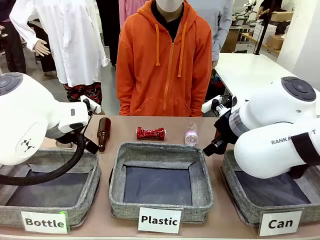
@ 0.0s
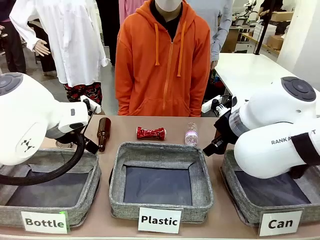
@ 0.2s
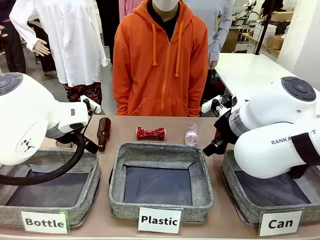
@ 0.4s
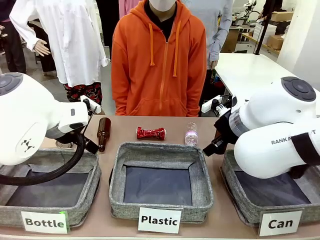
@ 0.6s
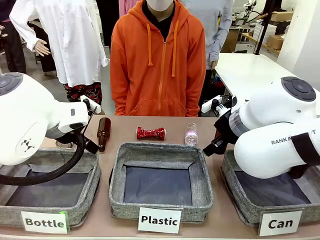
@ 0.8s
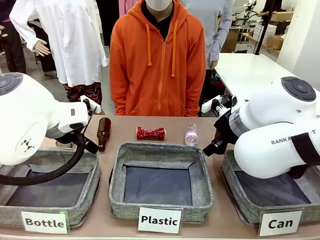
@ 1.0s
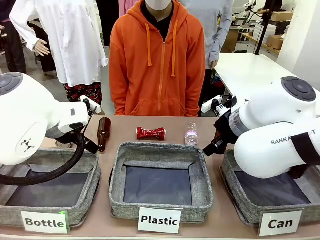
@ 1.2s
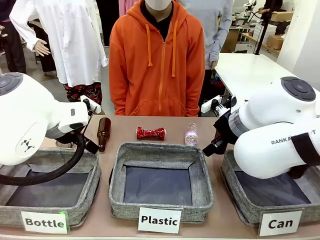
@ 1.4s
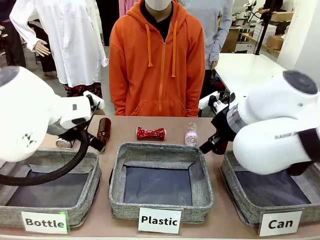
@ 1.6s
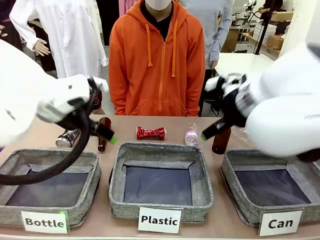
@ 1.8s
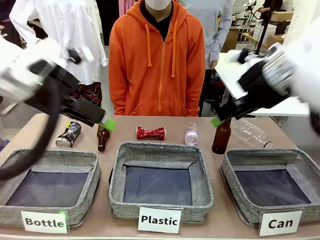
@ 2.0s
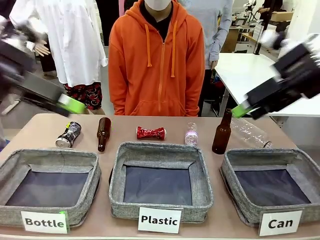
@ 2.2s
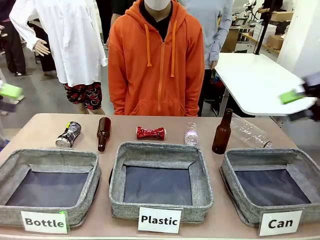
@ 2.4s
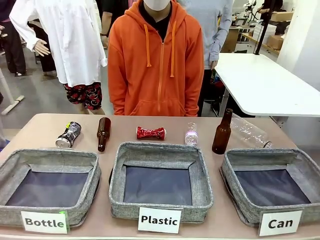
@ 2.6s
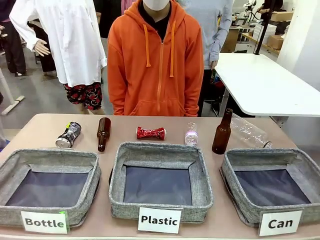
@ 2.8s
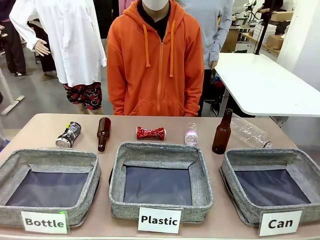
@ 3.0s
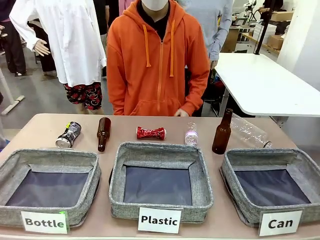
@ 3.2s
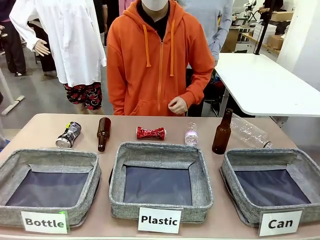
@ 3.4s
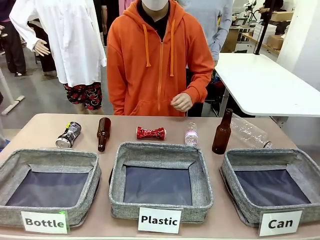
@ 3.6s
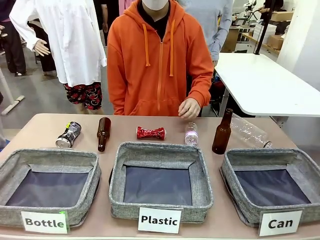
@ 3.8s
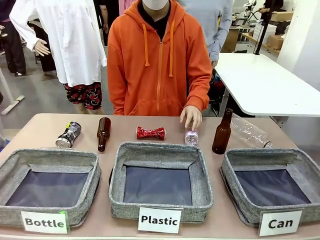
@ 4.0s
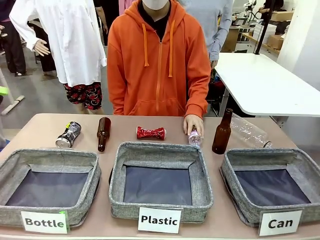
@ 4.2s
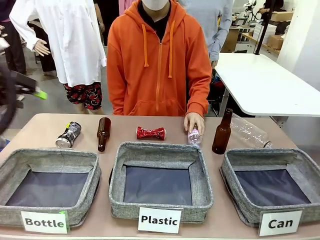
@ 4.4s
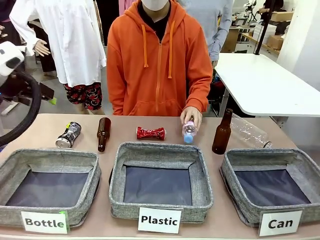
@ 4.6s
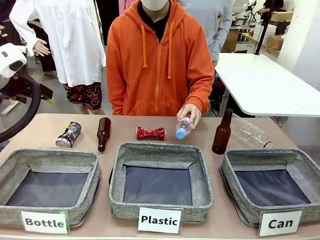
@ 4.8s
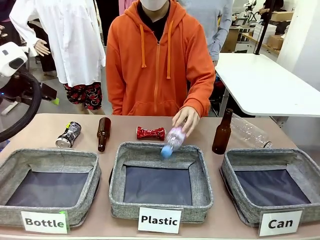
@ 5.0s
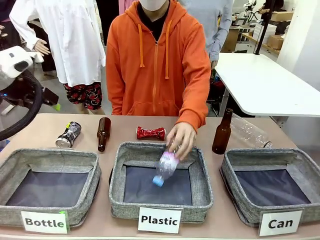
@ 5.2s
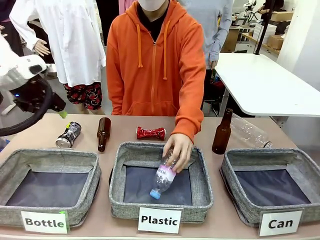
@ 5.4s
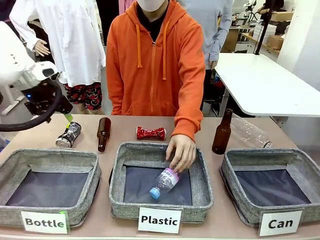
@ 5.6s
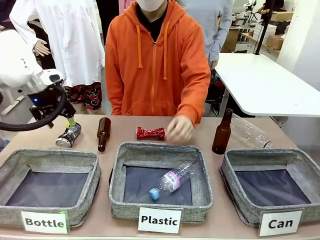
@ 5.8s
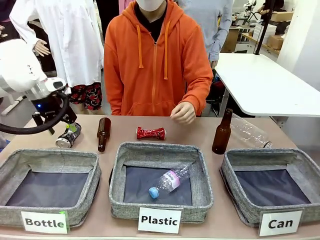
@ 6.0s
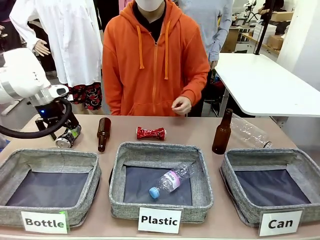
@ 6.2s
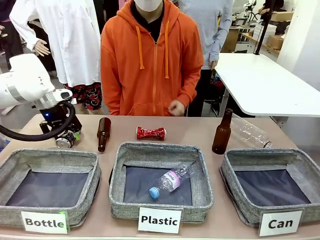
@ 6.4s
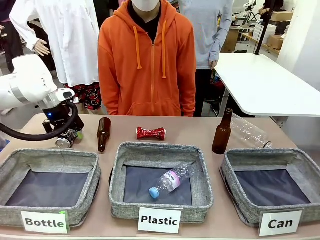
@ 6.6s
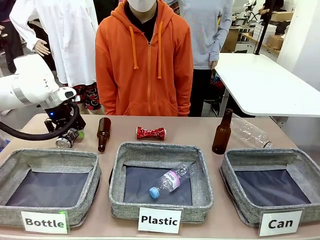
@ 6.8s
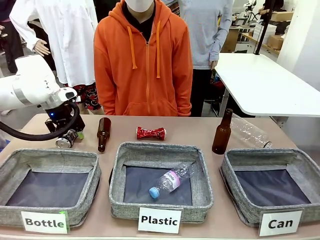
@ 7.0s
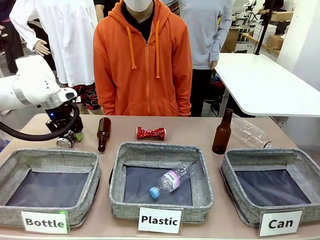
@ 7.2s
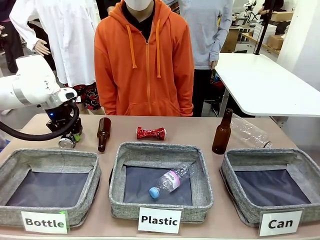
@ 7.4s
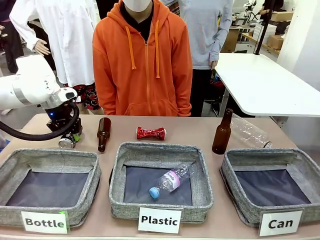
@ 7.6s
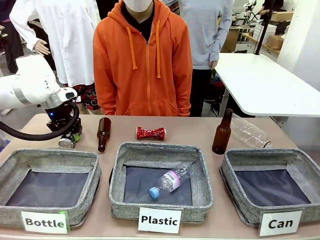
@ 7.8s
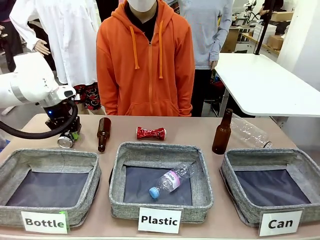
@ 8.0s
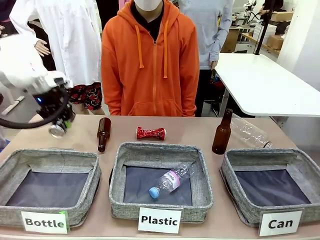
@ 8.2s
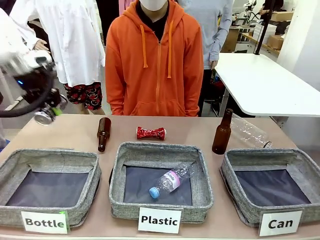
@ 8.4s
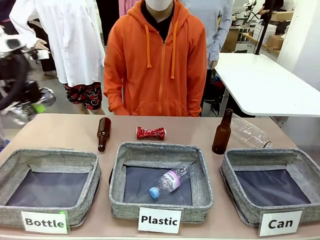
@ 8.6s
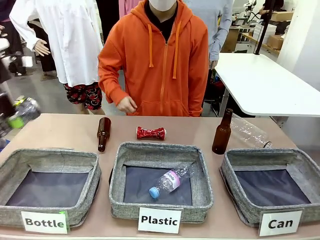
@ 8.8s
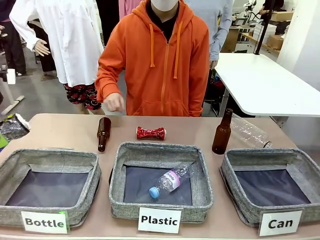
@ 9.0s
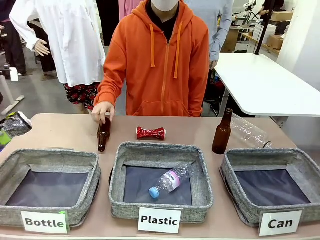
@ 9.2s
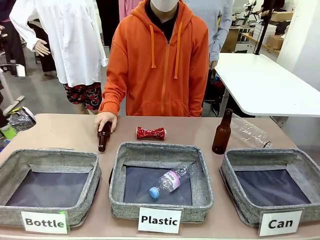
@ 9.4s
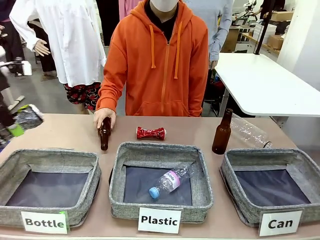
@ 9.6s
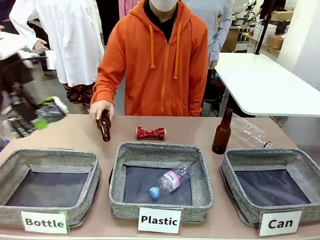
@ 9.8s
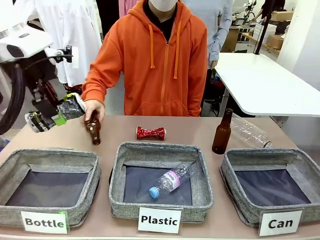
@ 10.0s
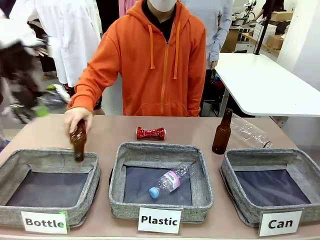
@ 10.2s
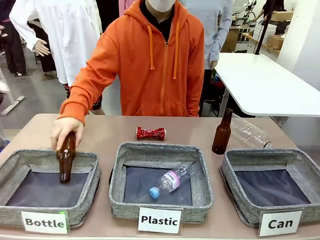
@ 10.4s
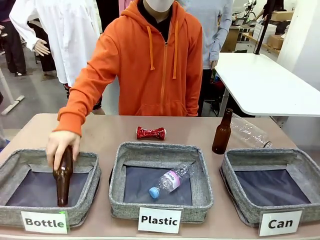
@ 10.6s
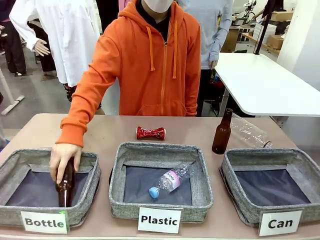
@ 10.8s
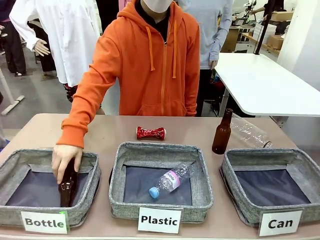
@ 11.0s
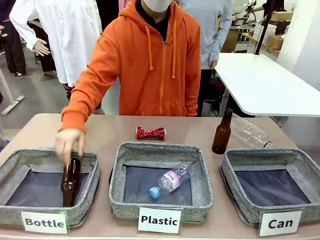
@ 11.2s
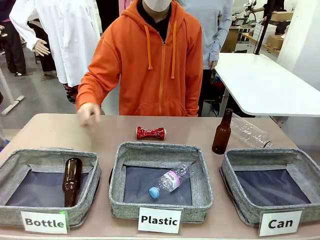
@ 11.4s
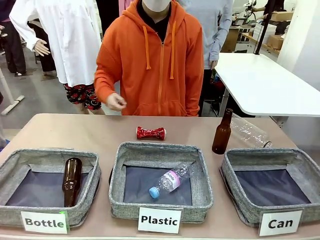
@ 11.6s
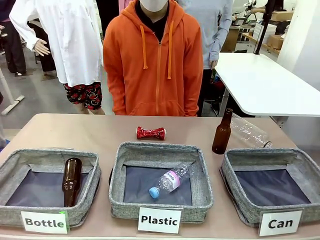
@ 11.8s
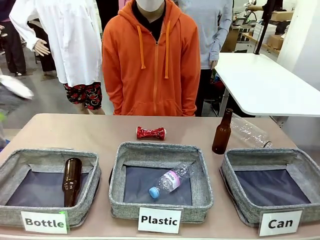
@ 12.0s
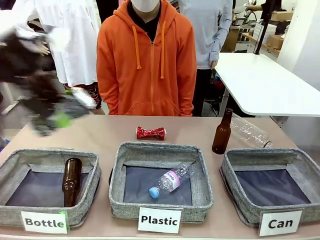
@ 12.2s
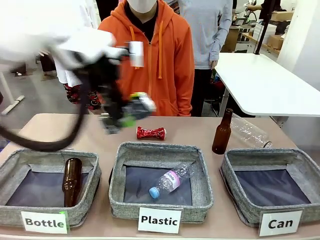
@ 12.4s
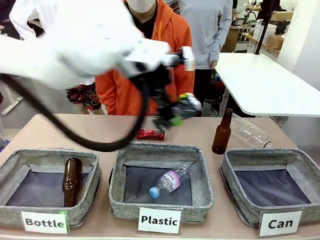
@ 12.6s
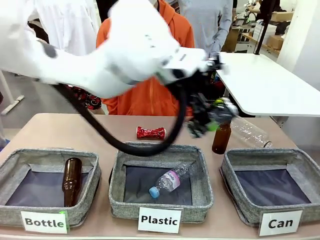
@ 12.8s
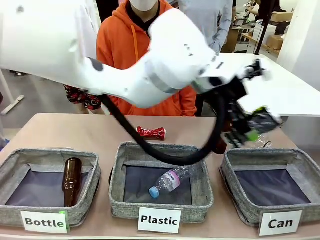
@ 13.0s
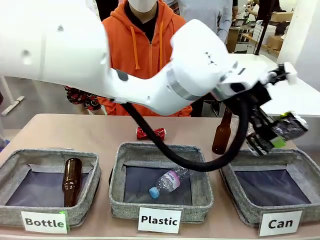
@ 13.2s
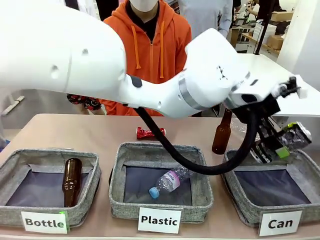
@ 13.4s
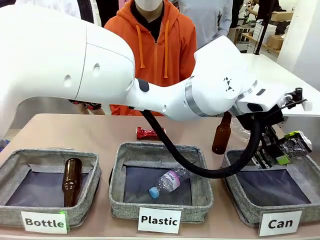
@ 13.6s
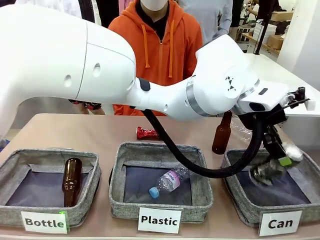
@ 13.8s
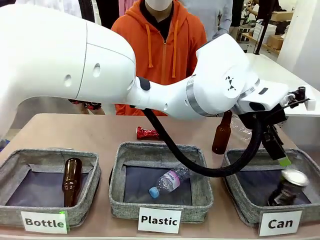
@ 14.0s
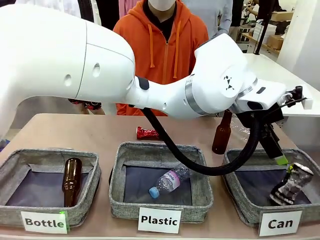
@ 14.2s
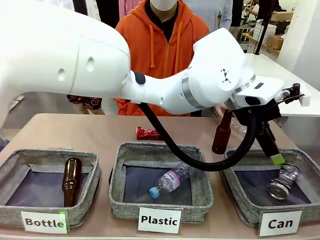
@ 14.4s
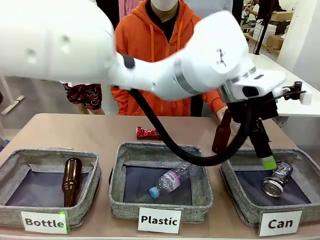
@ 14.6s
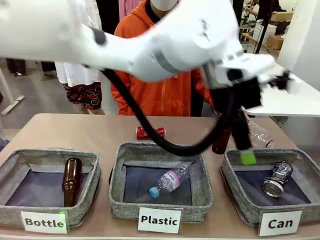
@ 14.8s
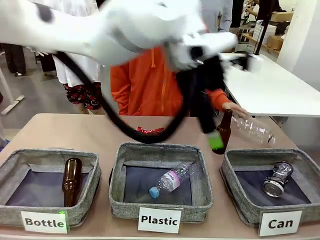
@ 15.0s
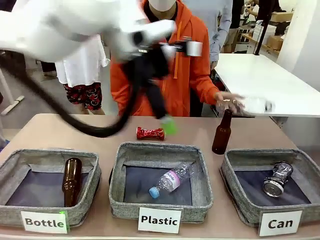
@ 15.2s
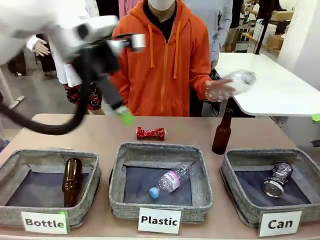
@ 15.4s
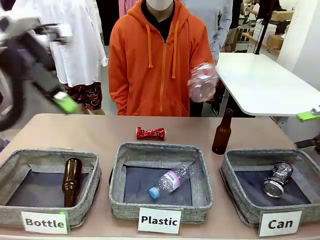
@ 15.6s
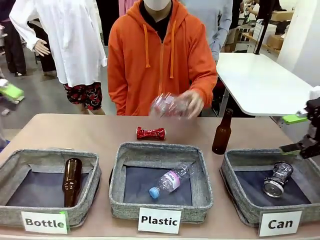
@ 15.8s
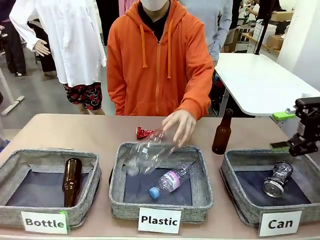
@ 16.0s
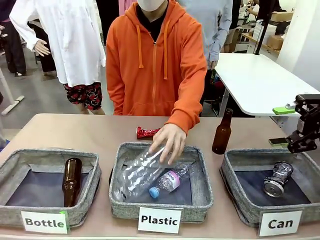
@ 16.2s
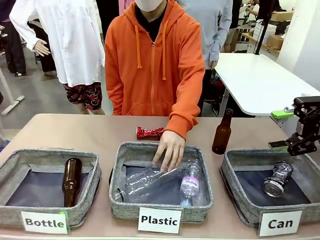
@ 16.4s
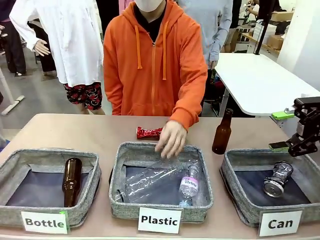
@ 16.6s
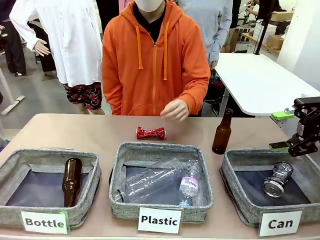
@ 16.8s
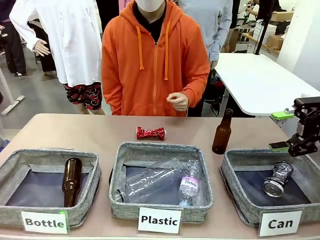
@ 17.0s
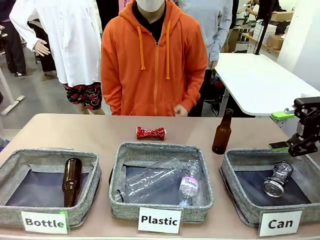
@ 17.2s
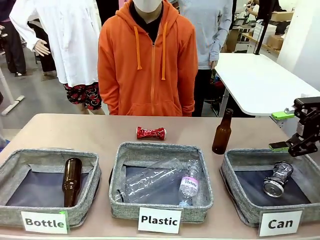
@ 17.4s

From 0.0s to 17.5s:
Task: Sort the can waste into the basket.
Robot: Pick up the can waste from the table and place it in the right Fabric basket.
